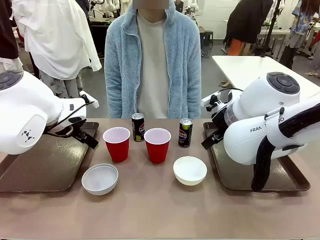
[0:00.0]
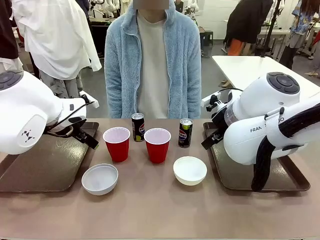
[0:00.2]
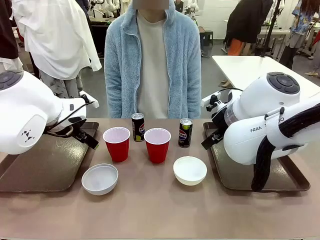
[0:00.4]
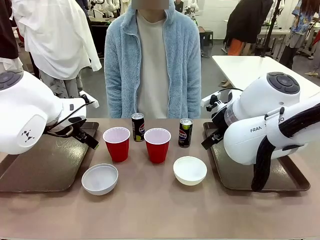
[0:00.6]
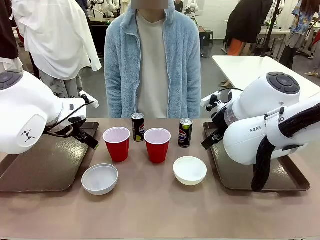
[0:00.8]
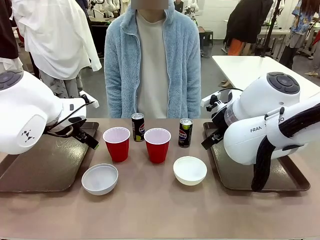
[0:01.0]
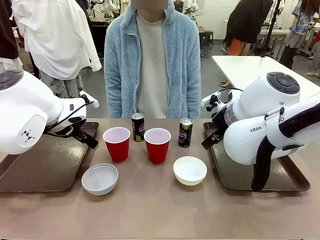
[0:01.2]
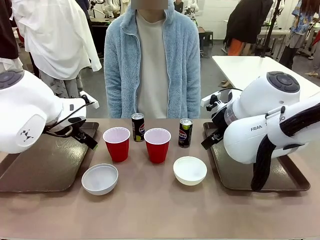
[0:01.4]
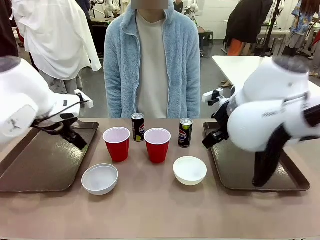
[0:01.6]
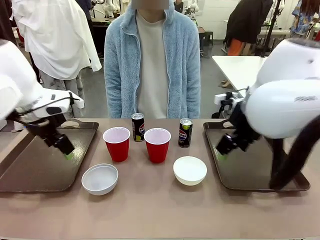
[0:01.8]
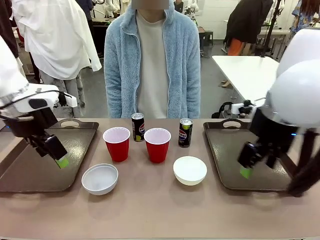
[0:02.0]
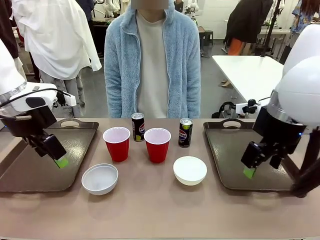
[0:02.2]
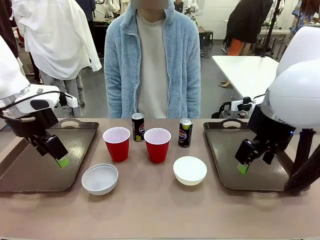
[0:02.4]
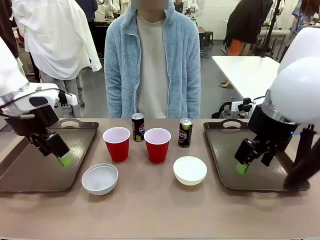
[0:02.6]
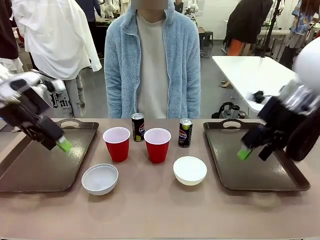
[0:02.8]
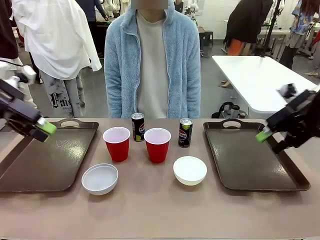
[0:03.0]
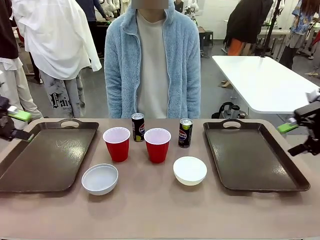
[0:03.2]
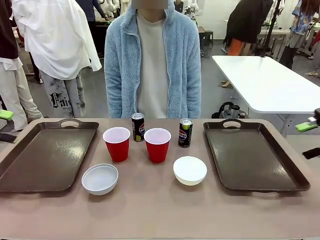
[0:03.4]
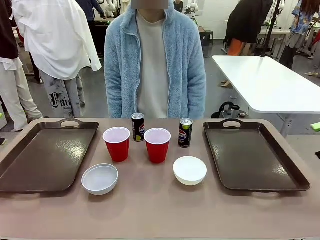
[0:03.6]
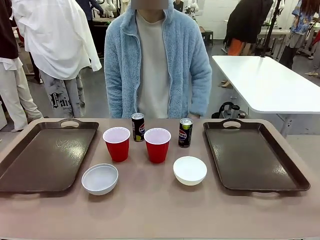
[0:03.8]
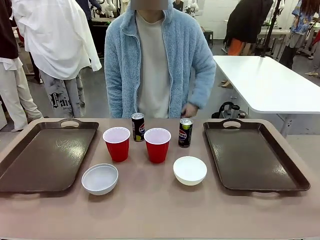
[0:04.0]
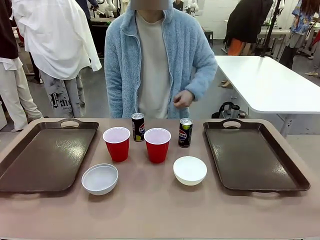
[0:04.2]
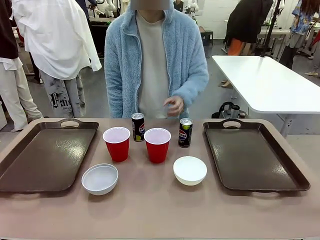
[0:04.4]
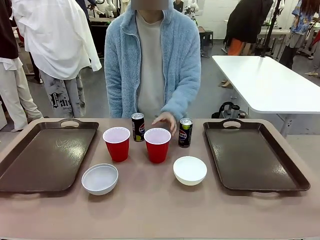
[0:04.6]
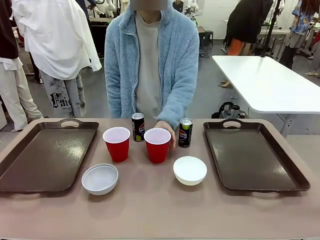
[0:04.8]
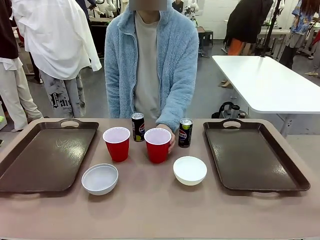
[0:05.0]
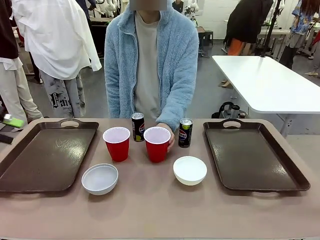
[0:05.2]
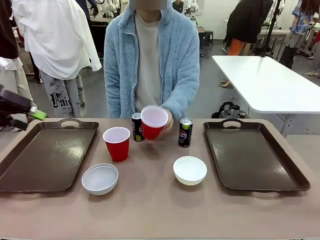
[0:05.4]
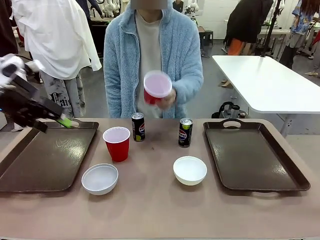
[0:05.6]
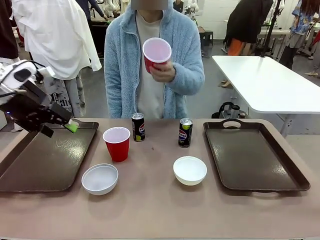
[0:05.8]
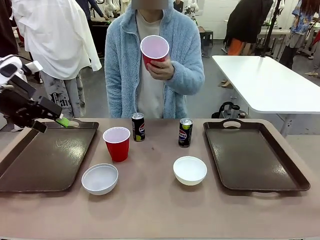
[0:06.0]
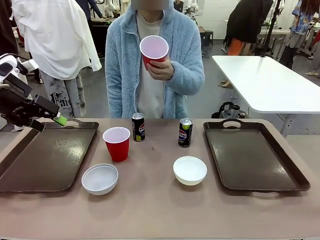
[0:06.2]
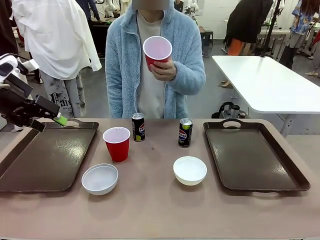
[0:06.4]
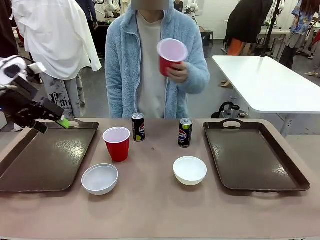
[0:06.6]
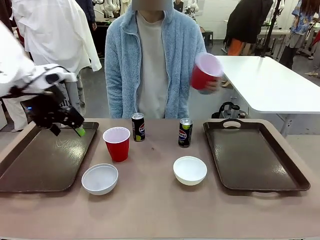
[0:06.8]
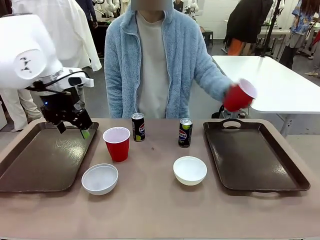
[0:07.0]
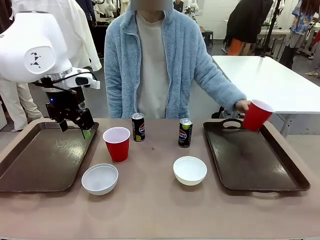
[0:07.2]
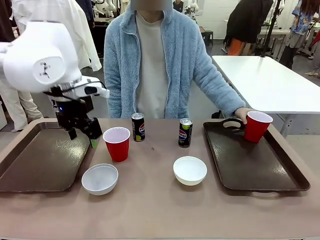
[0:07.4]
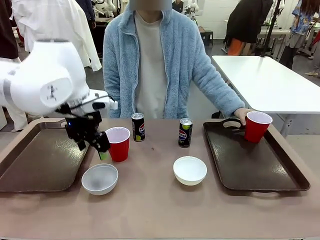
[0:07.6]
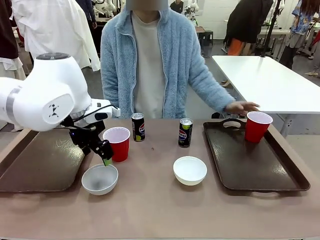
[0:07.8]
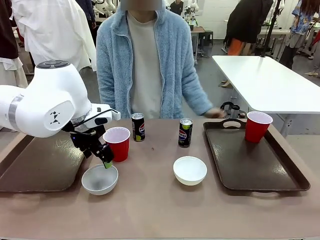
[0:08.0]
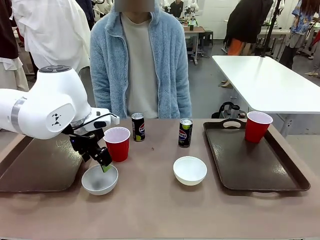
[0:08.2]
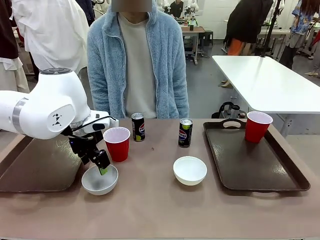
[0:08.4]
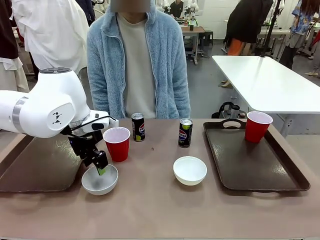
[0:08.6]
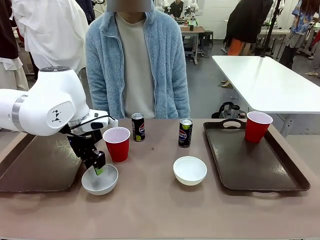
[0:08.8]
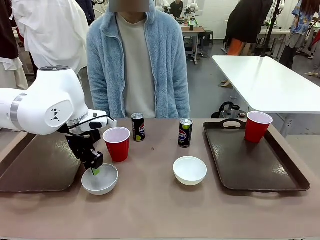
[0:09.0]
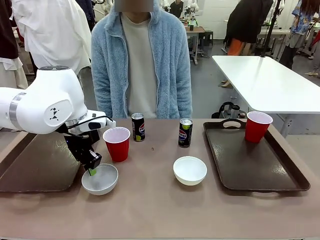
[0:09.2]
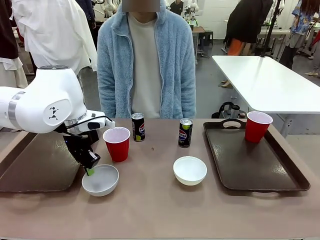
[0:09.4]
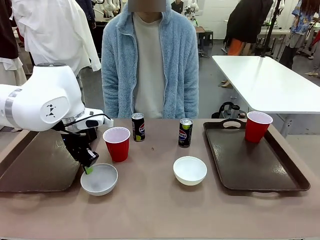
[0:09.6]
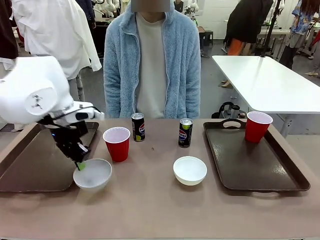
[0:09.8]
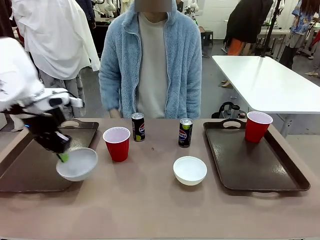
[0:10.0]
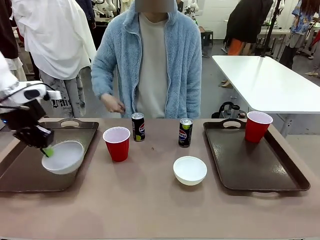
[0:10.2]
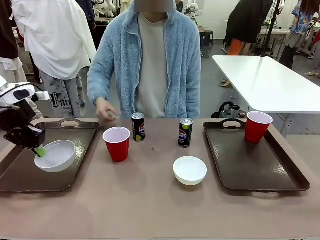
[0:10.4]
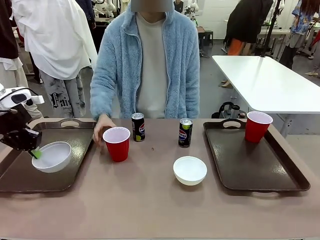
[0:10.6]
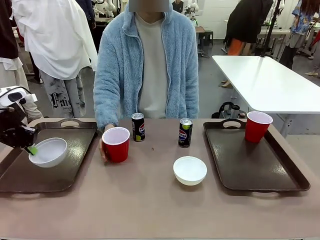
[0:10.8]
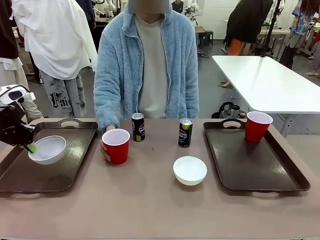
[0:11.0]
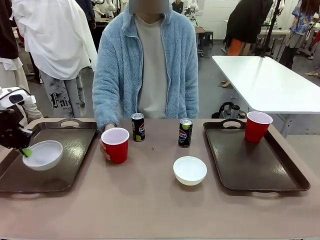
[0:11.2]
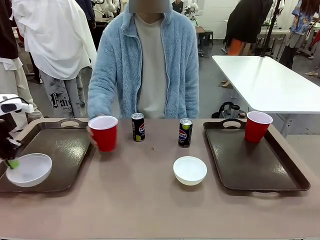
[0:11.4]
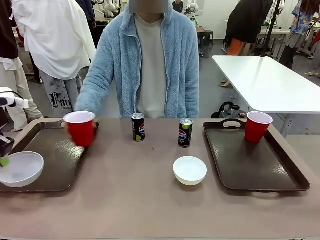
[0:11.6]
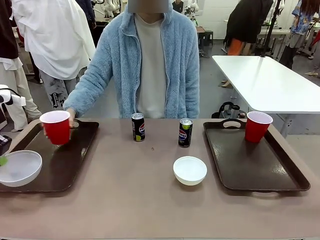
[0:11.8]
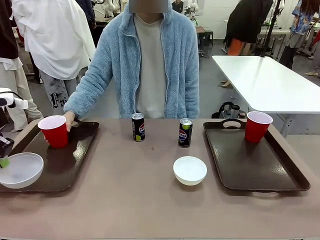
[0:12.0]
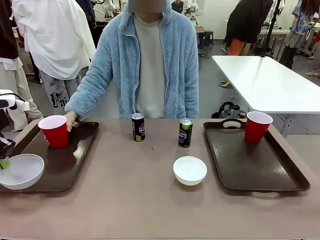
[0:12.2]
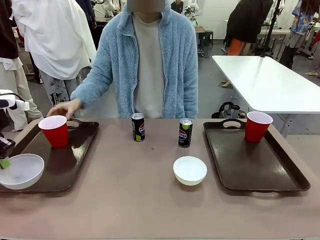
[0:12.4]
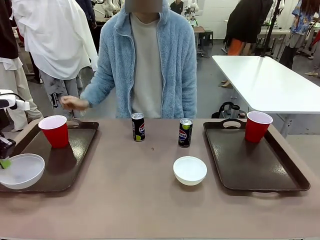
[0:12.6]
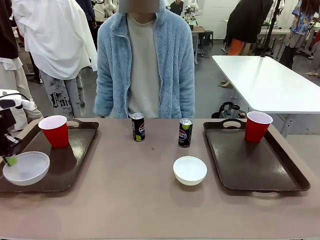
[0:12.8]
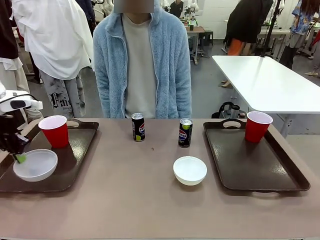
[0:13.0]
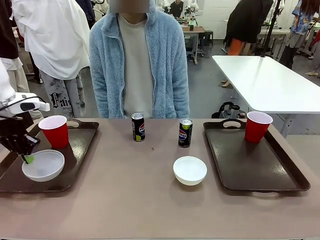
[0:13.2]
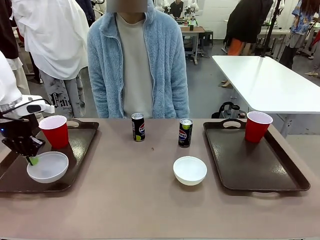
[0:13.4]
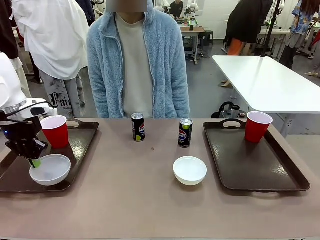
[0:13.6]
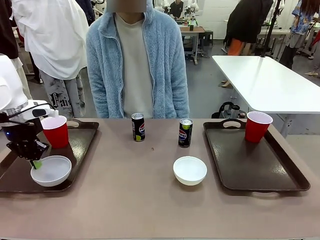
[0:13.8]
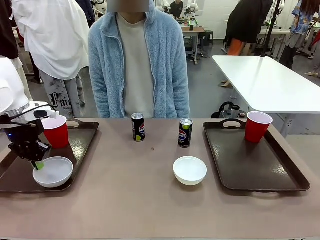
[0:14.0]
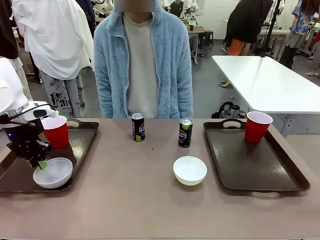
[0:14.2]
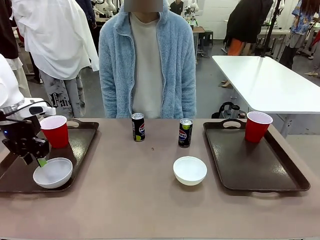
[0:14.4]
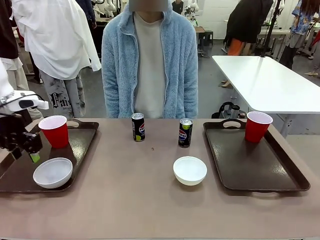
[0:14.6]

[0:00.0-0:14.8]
Task: Prepare tableware on both trays.
Robot: Pick up a Picnic Bowl from the table and place it on a Handle tray.
Person: Pick up a can or cup and place it on the tray.
